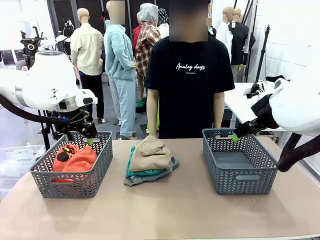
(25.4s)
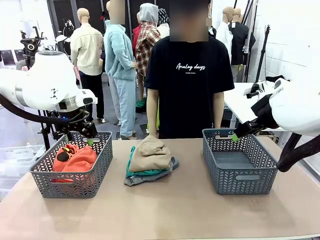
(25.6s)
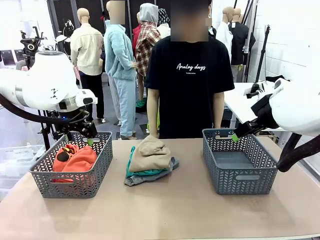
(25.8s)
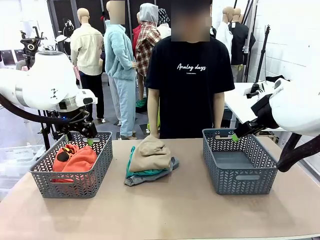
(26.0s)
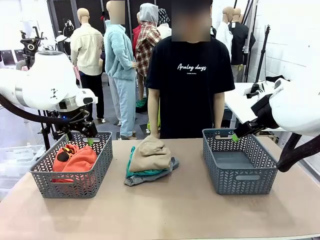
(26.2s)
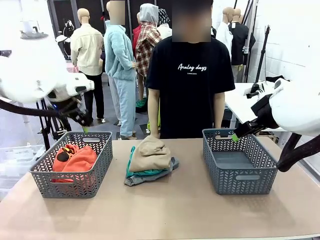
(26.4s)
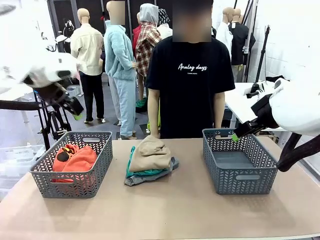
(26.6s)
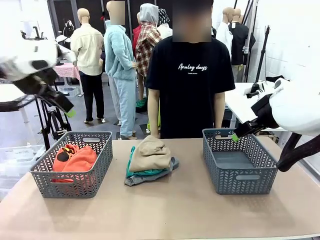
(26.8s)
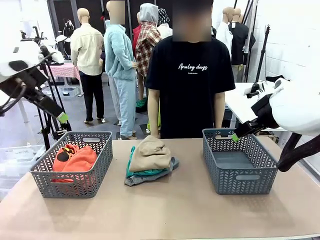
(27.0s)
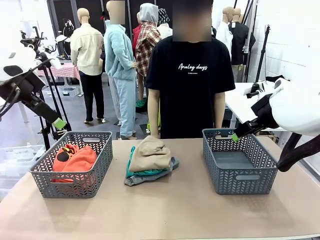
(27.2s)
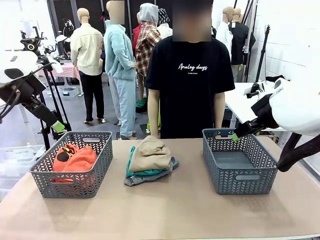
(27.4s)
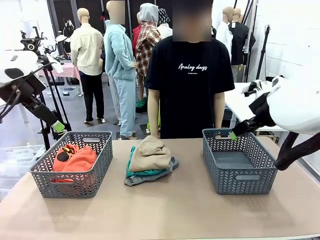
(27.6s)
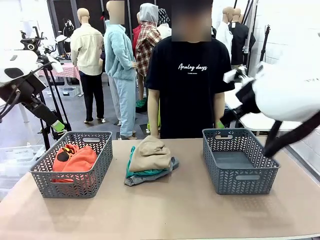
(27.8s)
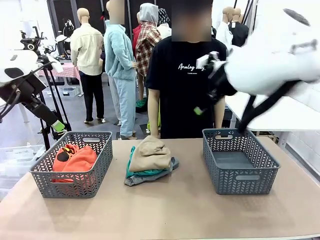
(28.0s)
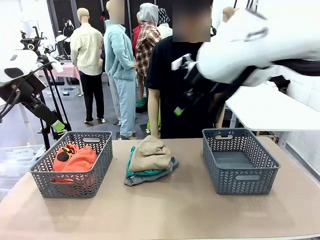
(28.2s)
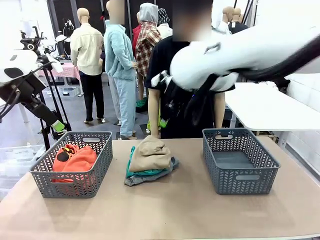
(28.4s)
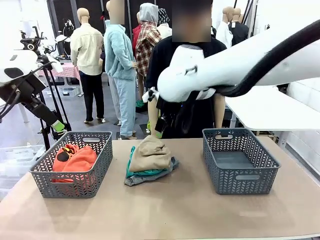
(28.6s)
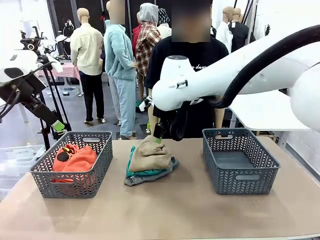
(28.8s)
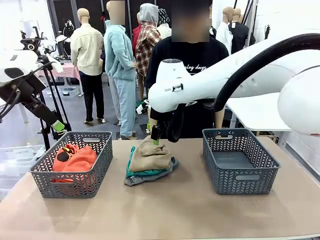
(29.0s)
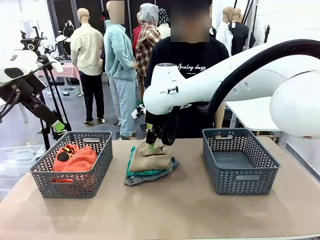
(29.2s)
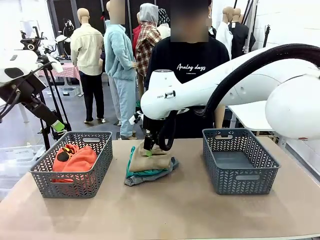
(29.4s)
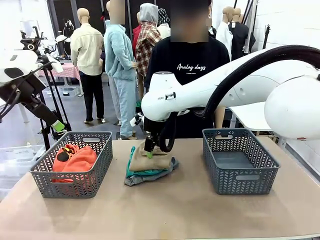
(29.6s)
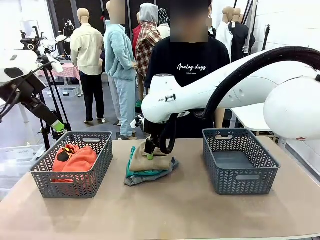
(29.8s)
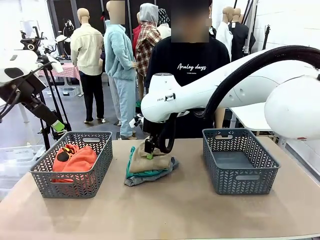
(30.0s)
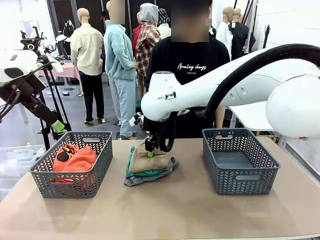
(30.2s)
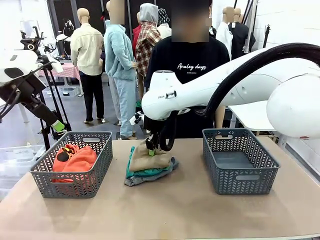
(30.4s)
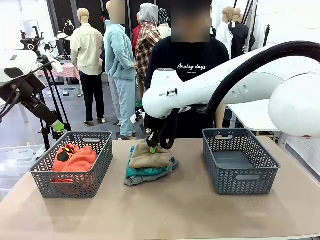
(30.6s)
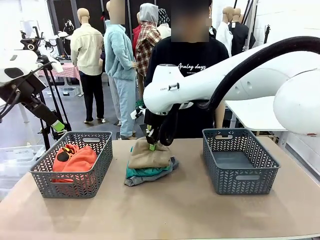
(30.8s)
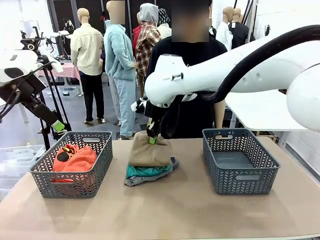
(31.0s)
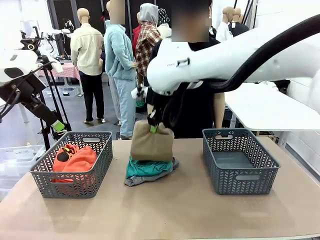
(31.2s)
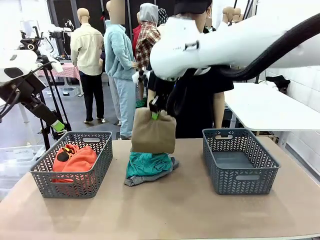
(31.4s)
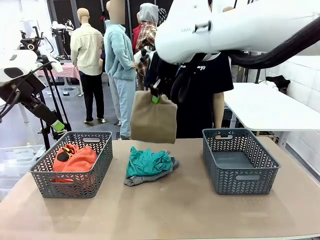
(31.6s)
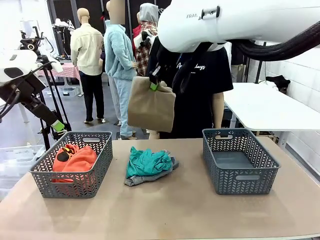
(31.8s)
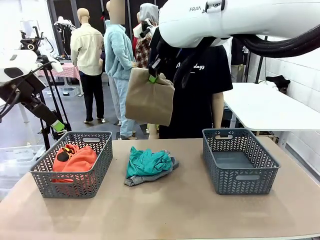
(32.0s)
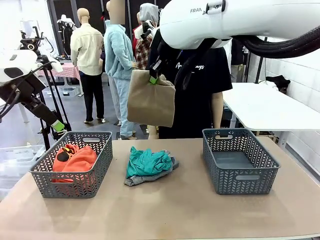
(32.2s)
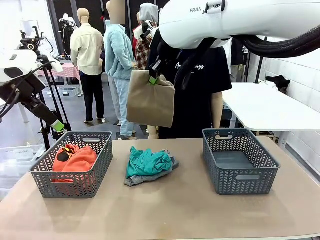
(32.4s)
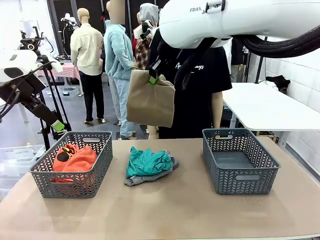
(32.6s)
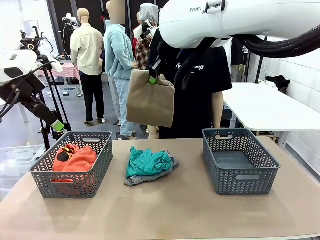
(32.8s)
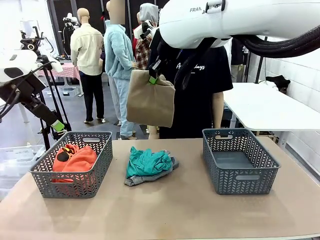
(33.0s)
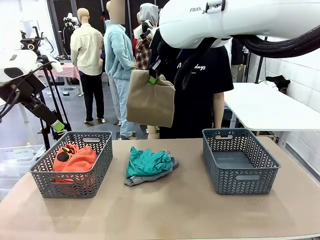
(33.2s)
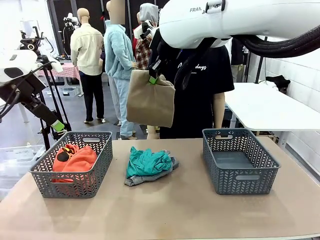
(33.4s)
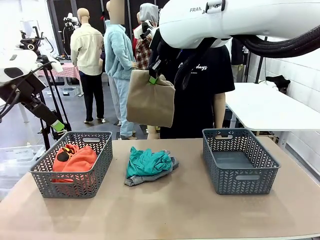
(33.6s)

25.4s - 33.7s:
Task: Sort the tops and bottoms.
Robot: Lift clothes from the center of the table with your right hand.

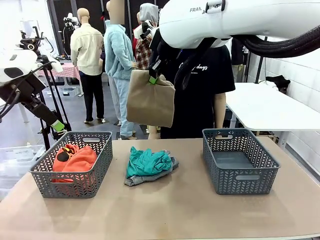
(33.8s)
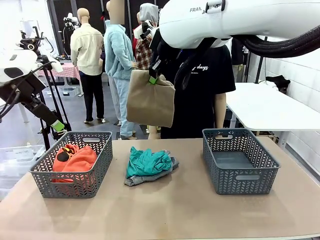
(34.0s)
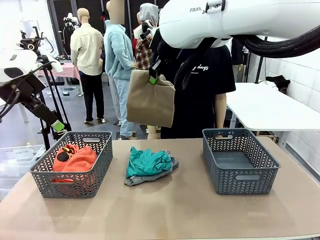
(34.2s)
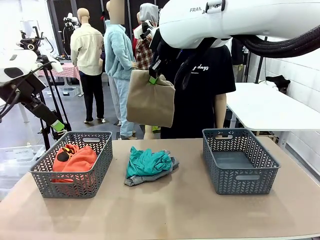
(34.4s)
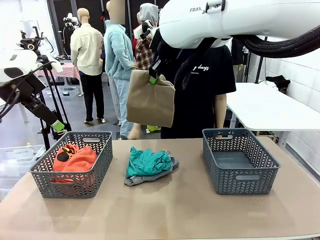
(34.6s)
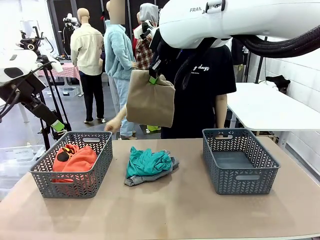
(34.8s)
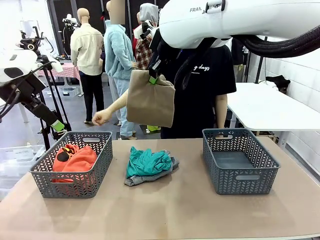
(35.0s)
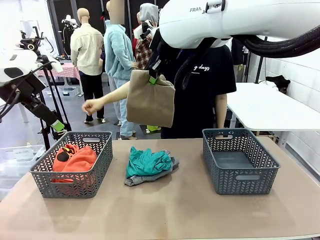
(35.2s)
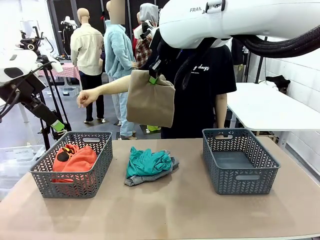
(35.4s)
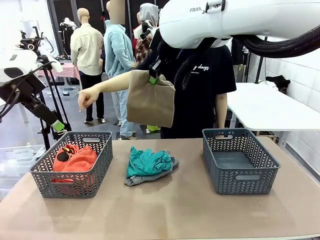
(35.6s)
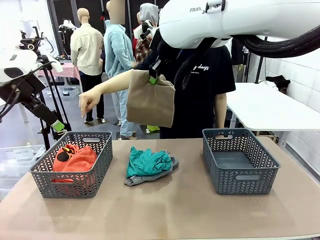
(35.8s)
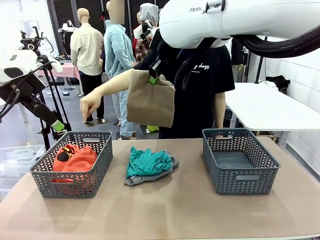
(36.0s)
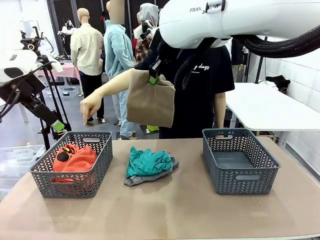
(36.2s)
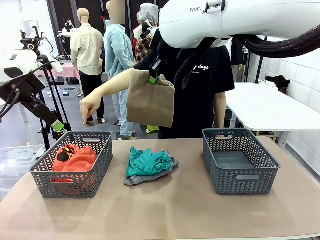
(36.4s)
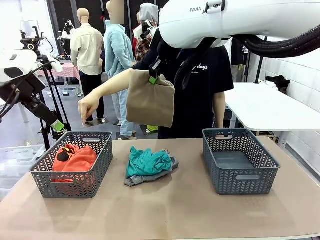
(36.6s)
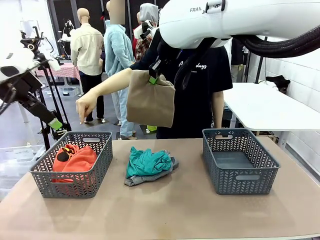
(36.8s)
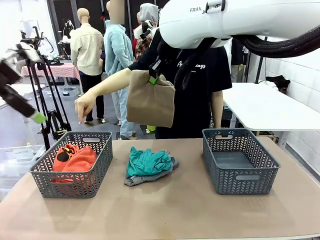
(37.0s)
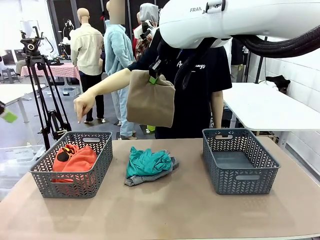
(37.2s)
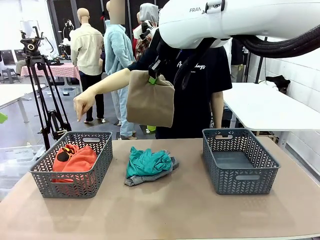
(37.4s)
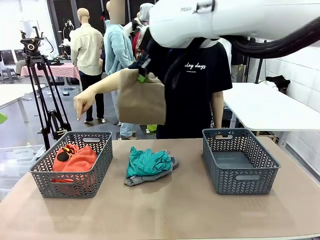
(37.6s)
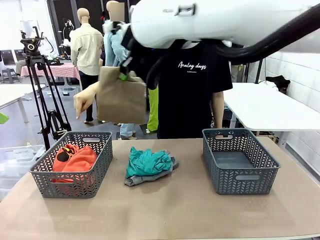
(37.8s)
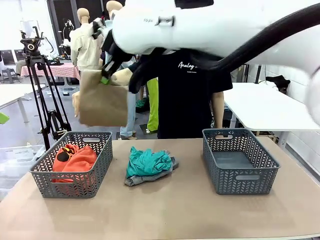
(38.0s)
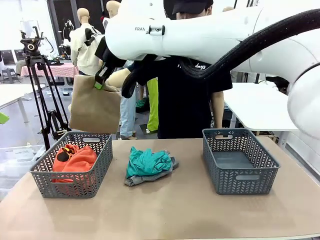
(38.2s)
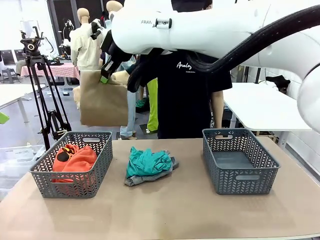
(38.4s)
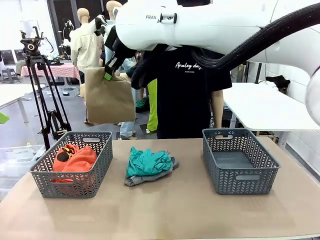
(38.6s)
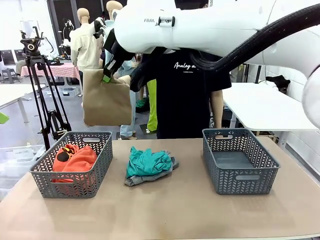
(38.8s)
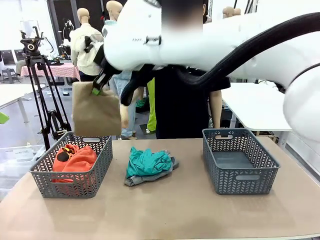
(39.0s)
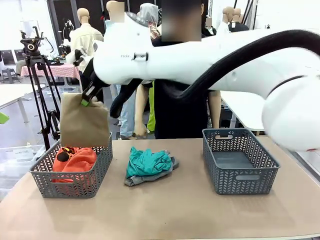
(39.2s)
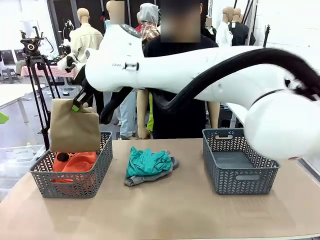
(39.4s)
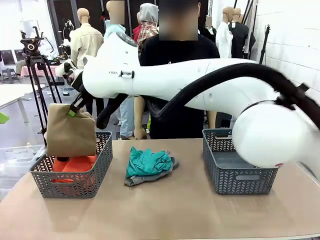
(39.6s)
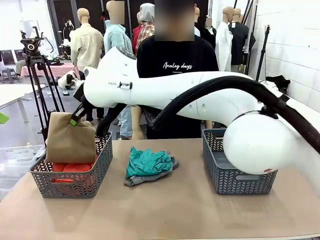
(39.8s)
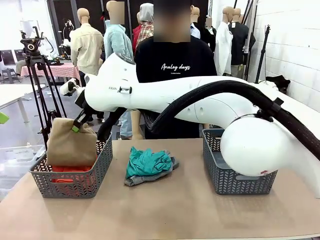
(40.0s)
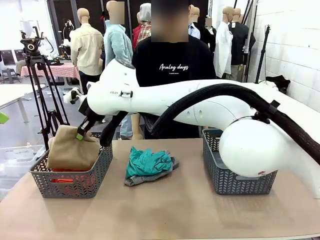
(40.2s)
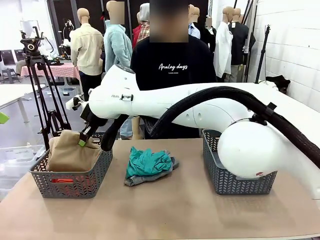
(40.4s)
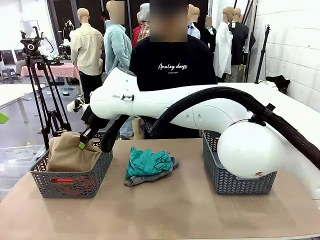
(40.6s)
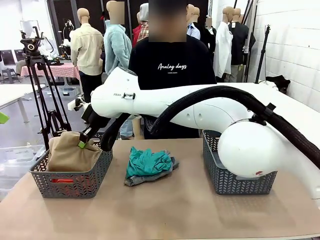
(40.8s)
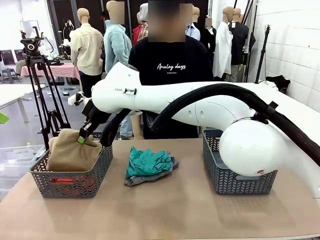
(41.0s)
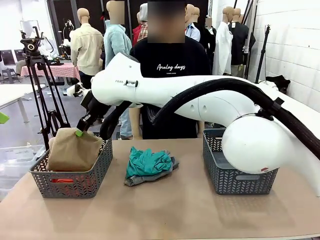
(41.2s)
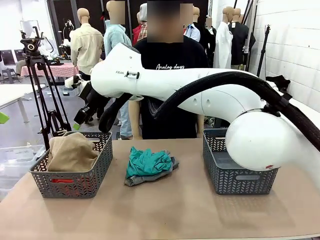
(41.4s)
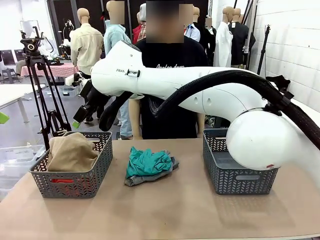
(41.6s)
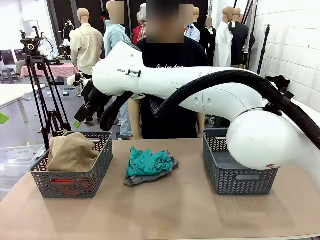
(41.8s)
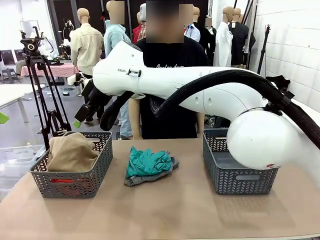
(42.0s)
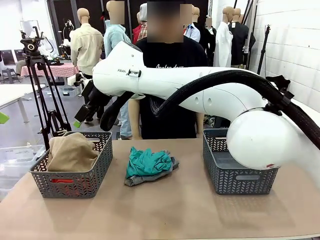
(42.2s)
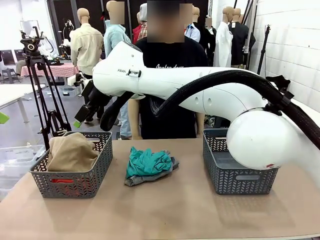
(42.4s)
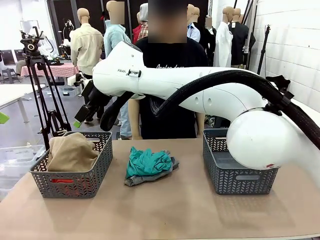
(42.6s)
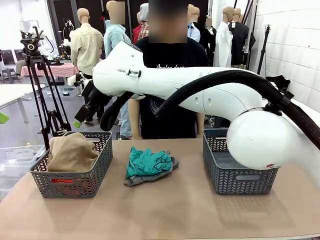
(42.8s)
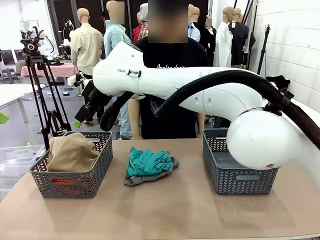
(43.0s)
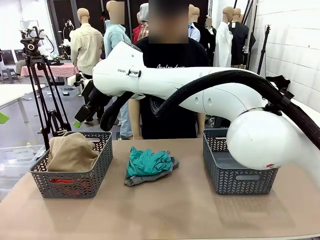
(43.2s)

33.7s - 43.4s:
Robot: Sort the clothes according to human instructions.
